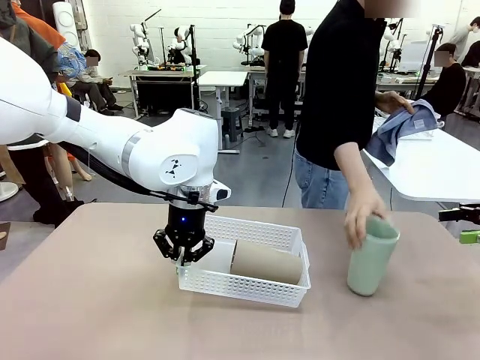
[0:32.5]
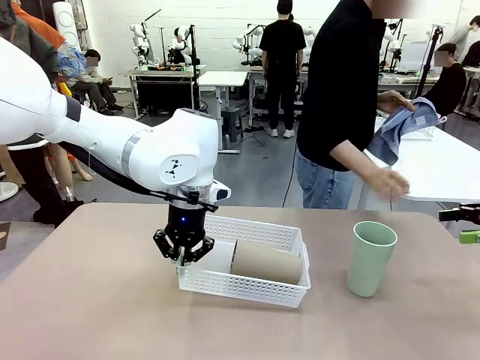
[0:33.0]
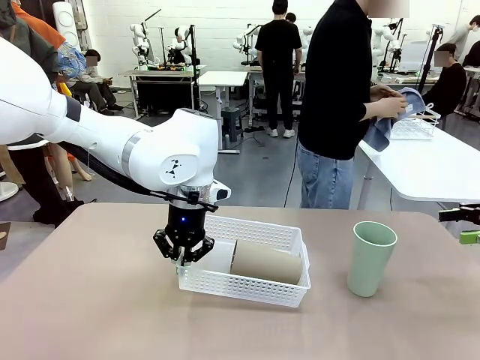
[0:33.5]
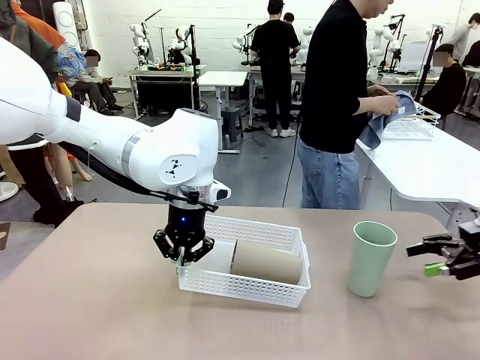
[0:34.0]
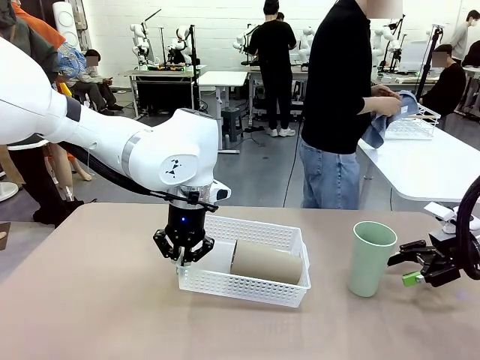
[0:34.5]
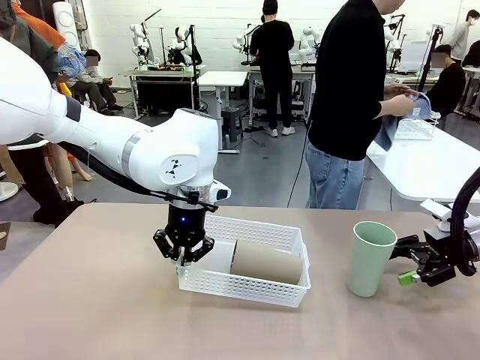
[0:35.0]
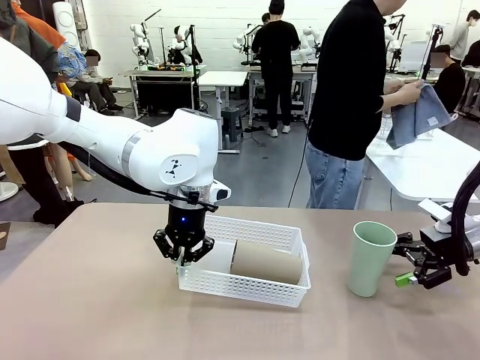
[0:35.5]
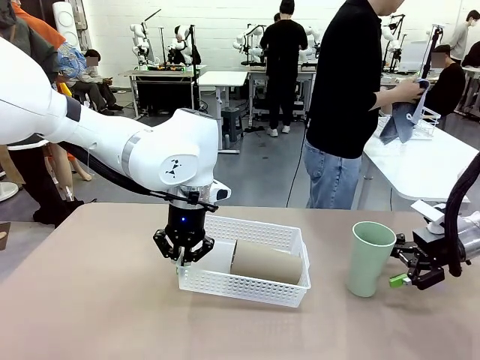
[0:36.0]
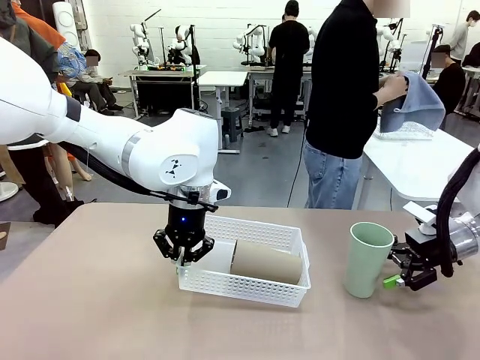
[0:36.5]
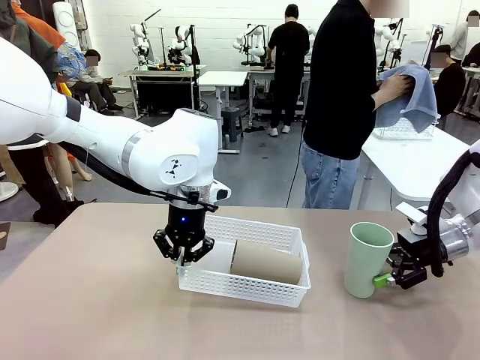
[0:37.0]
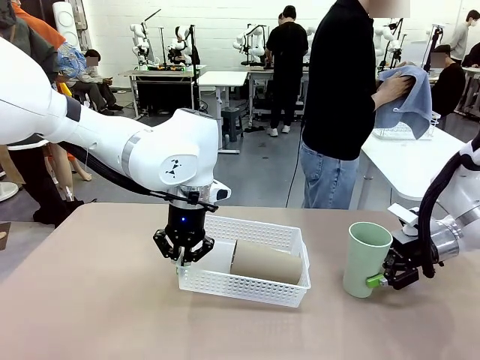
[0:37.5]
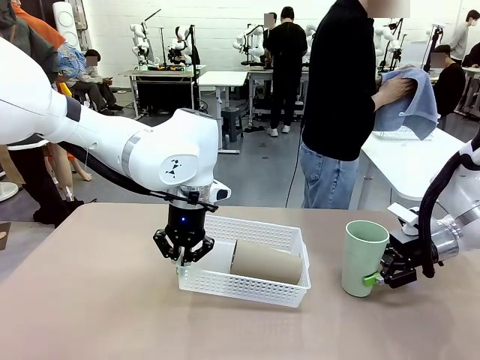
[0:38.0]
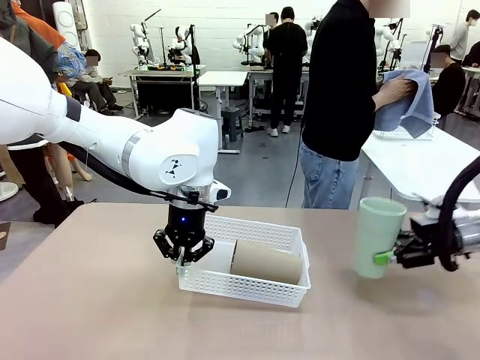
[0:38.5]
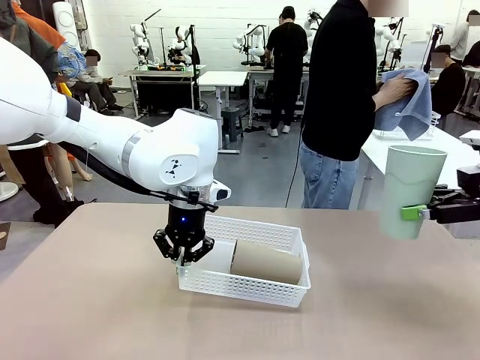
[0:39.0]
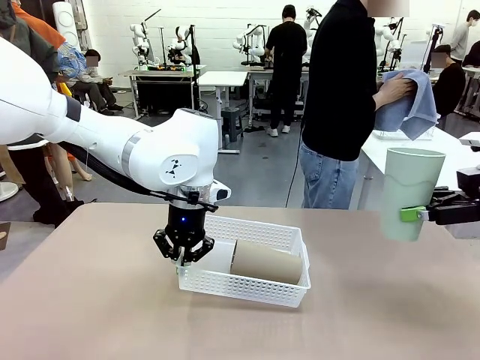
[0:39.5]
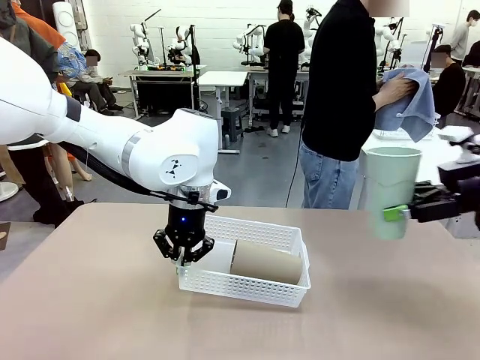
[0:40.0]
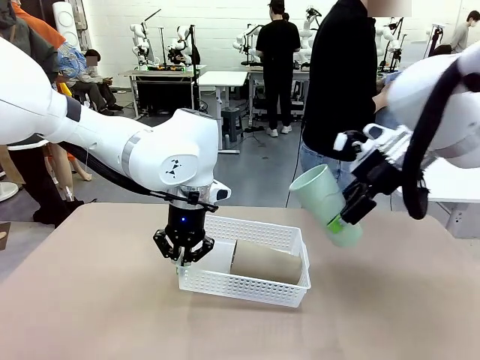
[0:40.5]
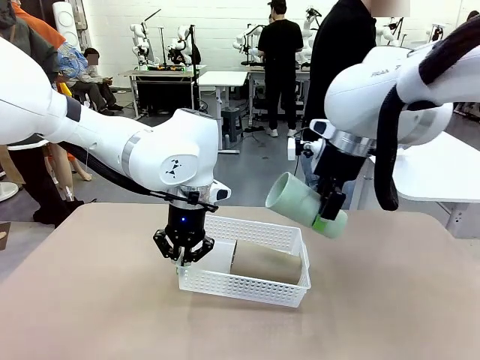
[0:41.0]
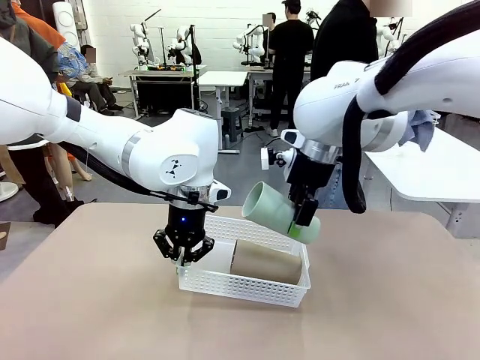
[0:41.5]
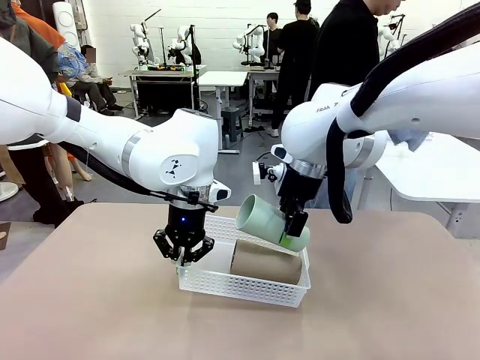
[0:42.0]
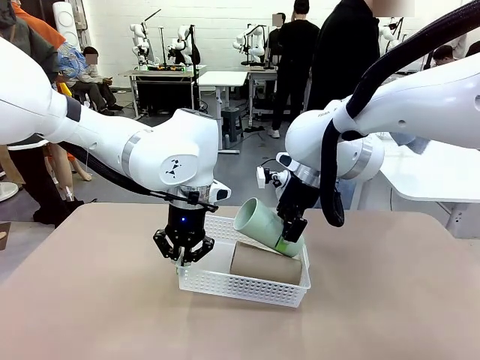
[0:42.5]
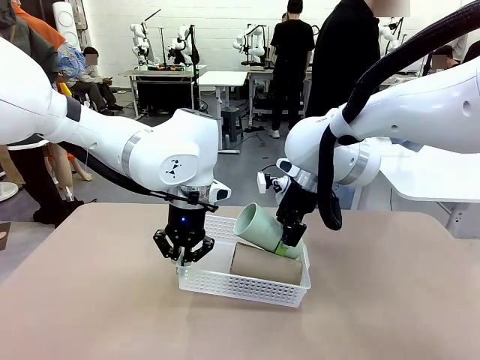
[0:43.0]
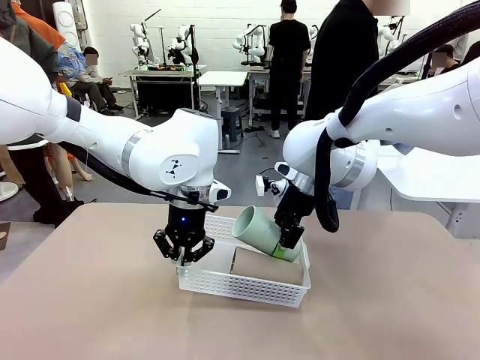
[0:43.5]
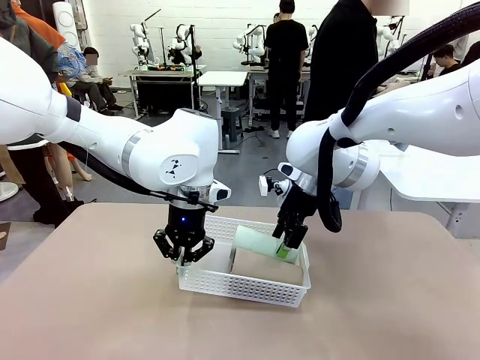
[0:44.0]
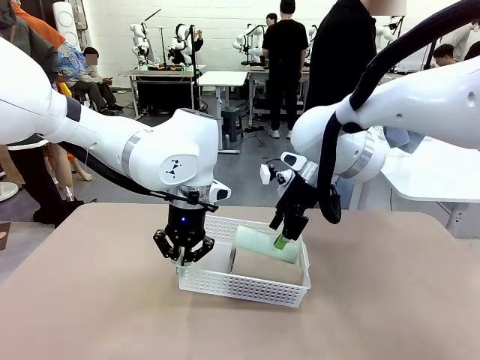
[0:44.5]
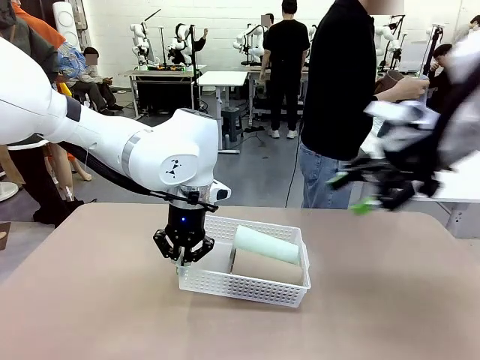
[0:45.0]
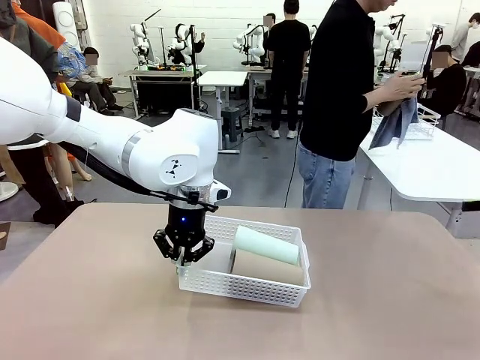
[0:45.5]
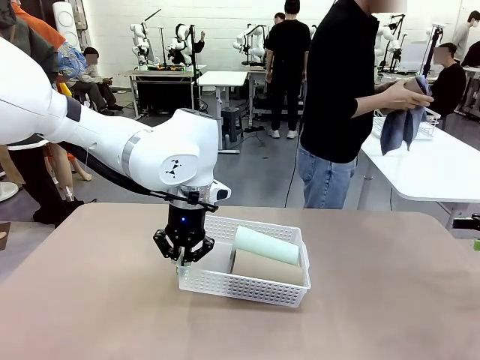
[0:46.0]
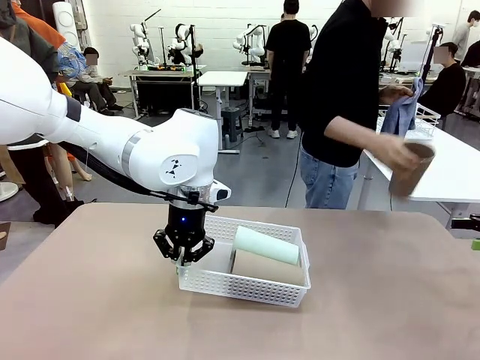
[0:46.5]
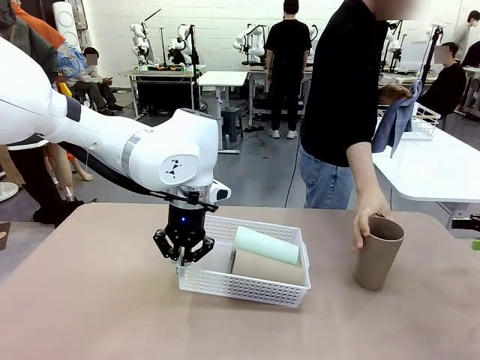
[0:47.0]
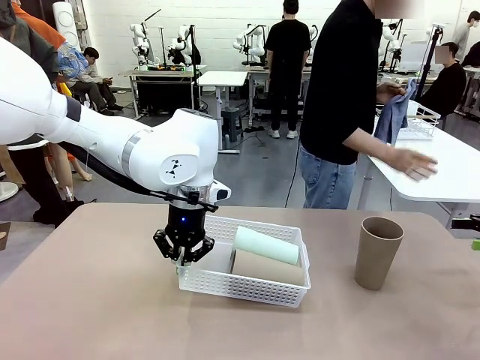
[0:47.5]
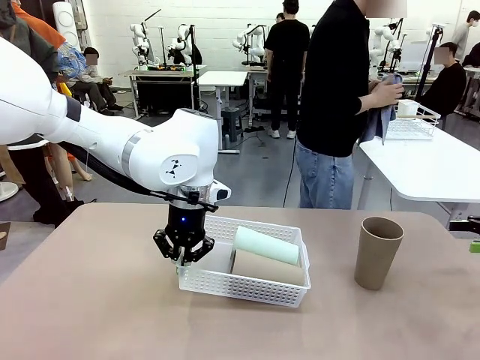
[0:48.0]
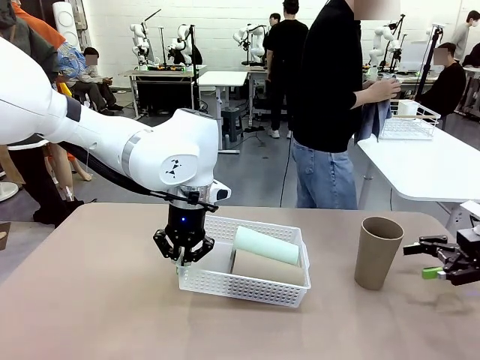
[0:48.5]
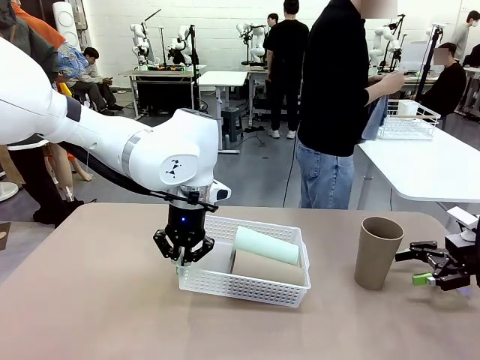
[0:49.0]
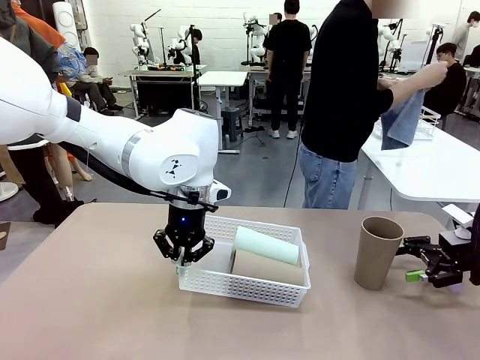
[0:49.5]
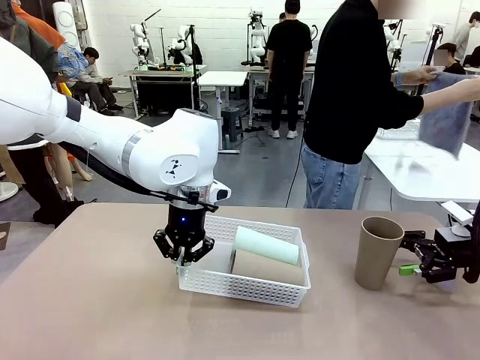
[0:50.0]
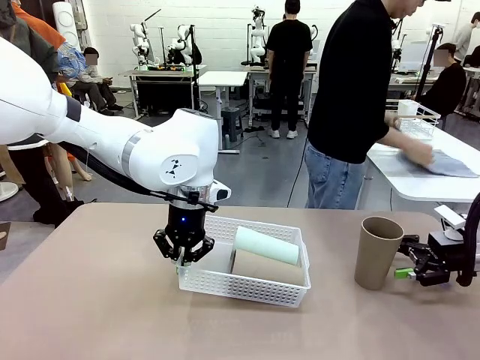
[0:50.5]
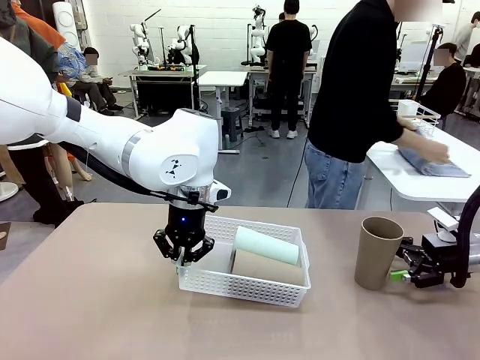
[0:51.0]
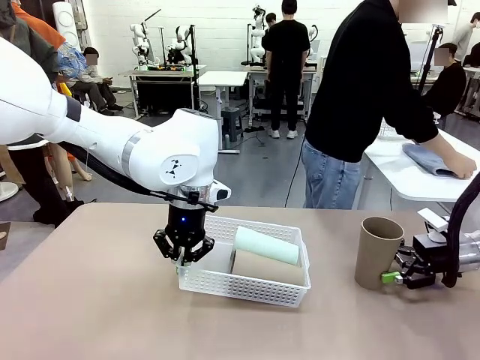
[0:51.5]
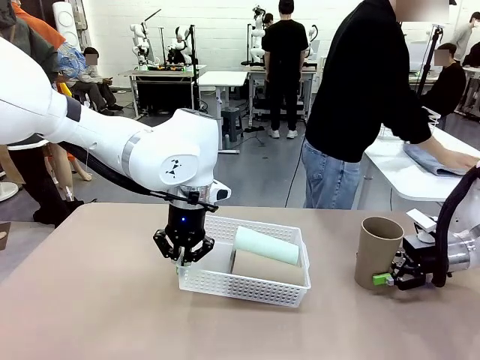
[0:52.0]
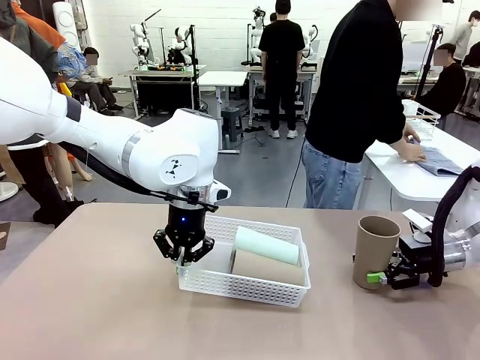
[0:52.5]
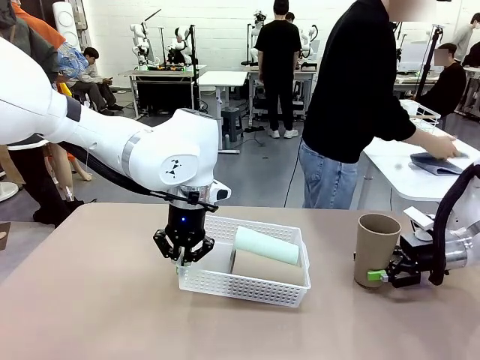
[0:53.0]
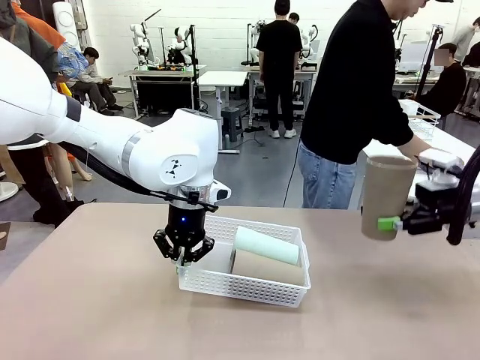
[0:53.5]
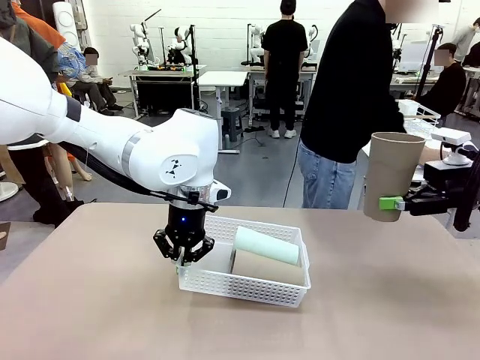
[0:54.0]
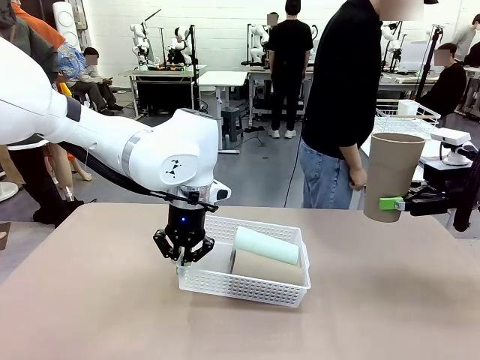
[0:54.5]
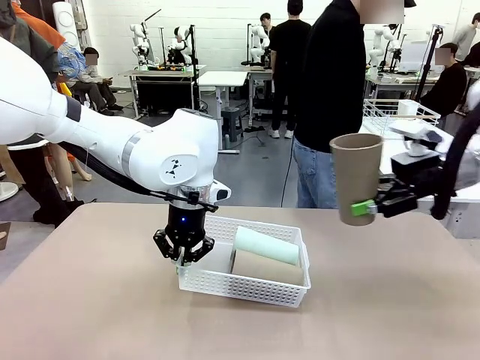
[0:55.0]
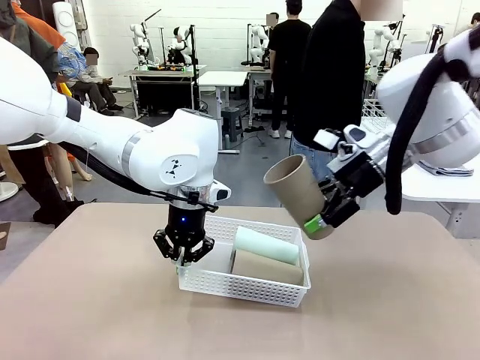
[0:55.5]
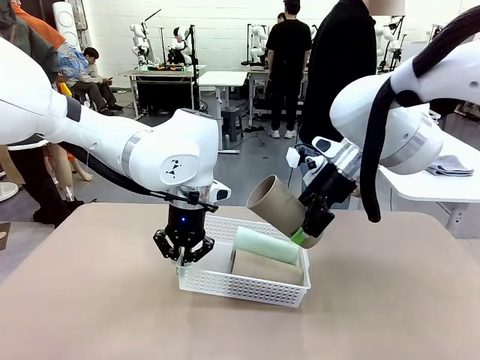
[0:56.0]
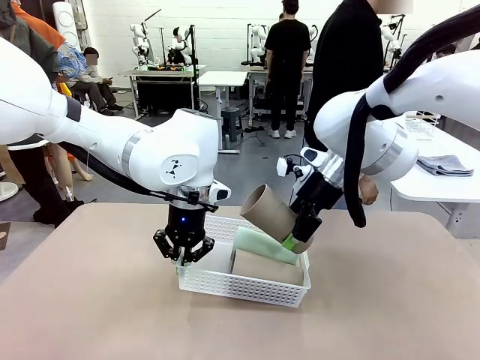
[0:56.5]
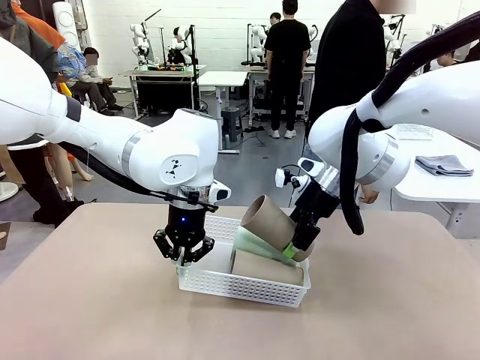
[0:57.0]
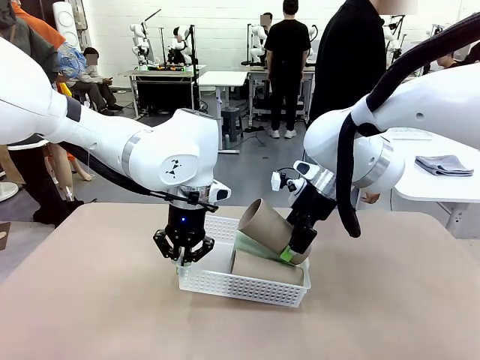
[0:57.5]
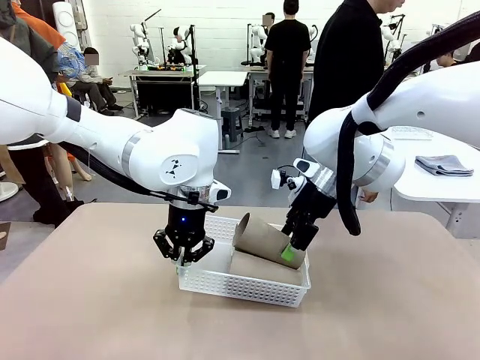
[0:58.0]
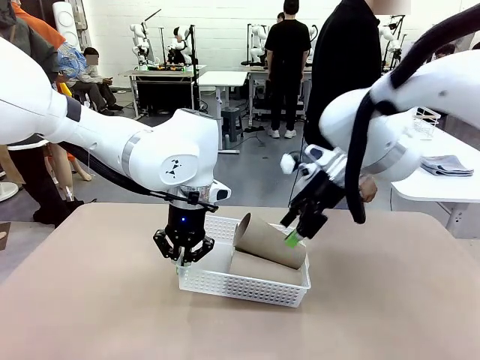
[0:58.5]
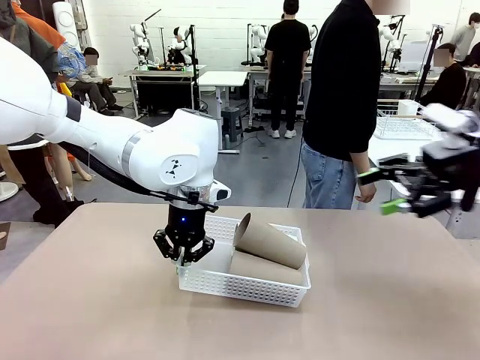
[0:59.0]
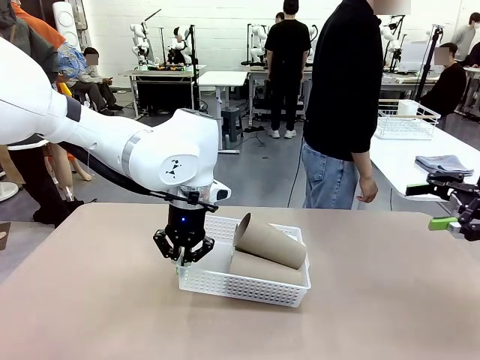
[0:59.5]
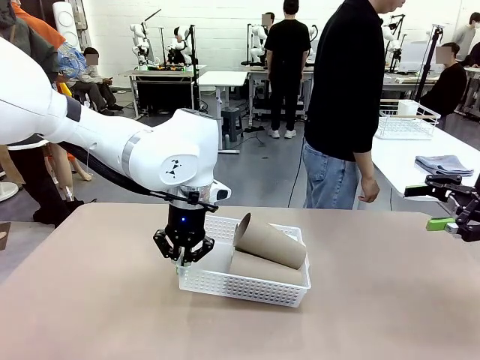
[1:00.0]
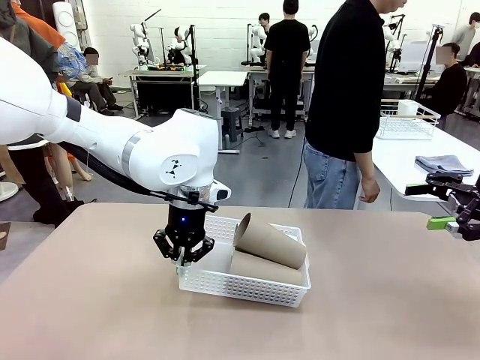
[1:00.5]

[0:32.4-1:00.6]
Task: Clean and organize the cups into the basket.
Robot: Pick up the Reusable plastic cup from the right side of the table and stack it inside the Organizing basket in the center of the table.
